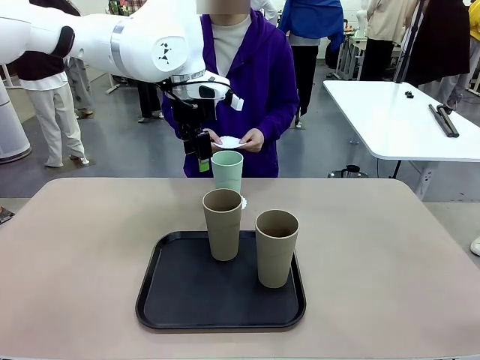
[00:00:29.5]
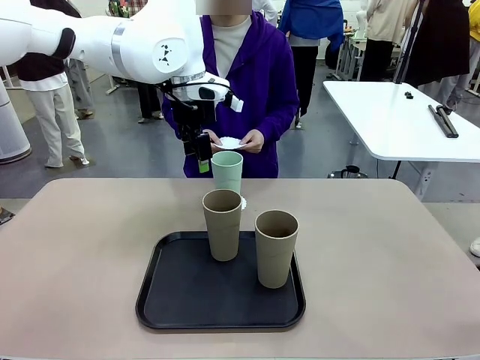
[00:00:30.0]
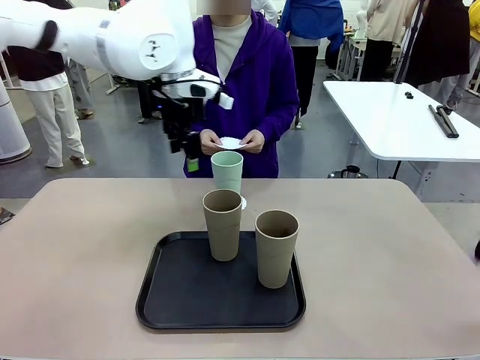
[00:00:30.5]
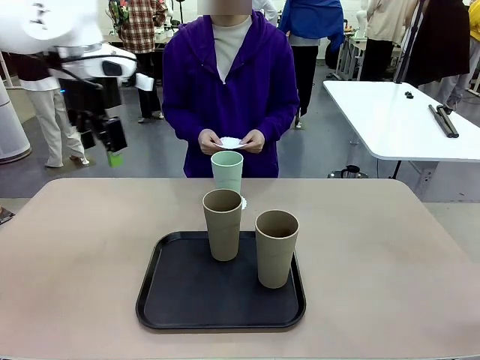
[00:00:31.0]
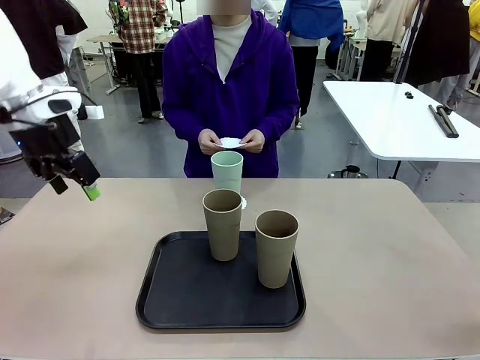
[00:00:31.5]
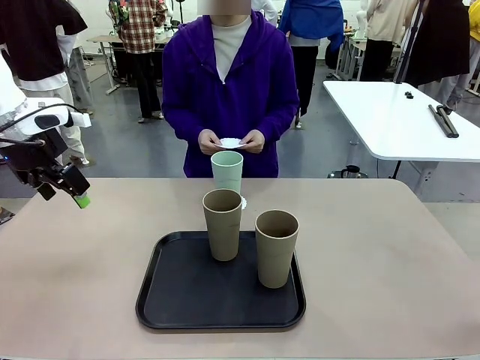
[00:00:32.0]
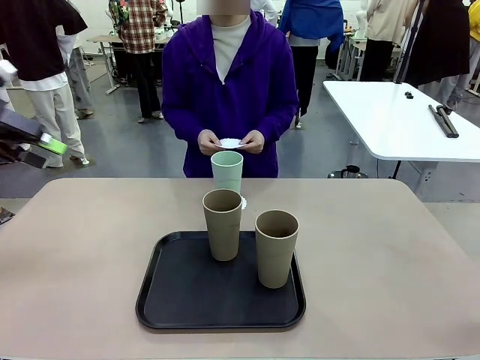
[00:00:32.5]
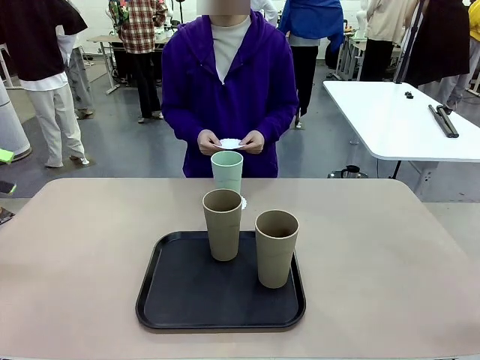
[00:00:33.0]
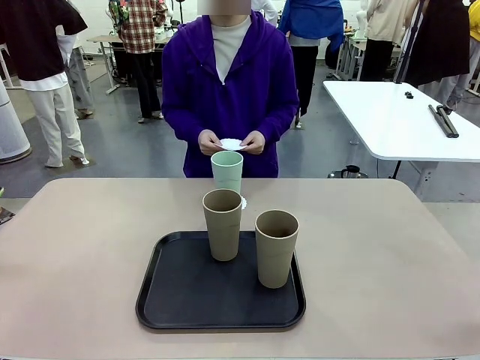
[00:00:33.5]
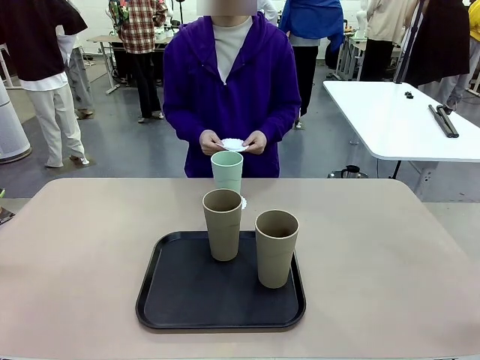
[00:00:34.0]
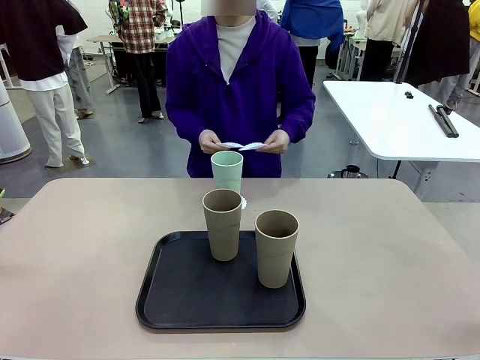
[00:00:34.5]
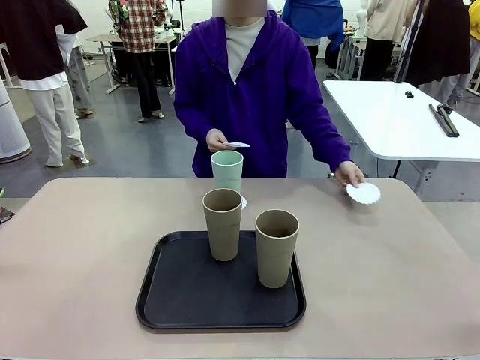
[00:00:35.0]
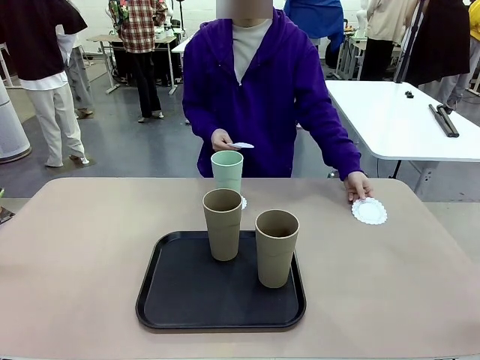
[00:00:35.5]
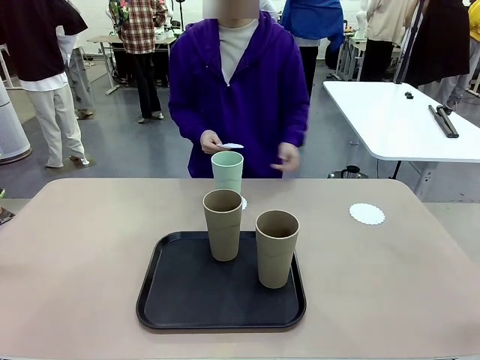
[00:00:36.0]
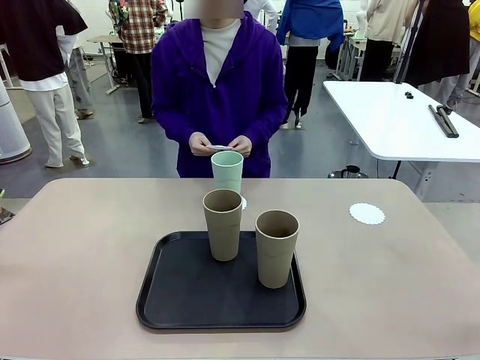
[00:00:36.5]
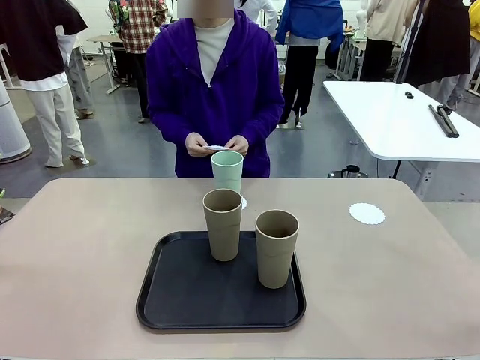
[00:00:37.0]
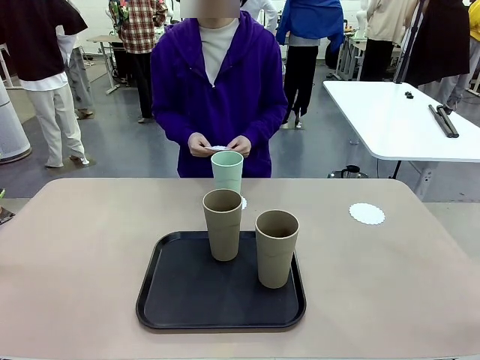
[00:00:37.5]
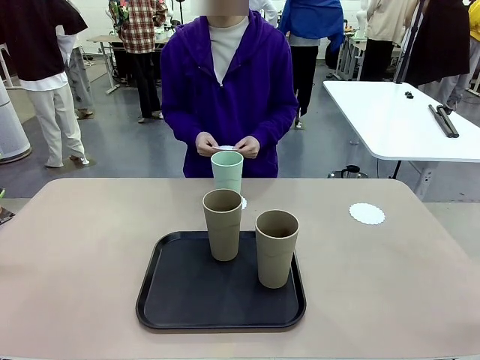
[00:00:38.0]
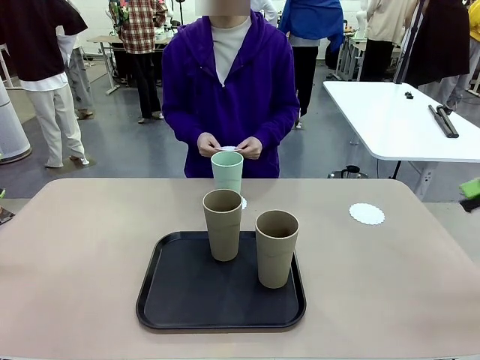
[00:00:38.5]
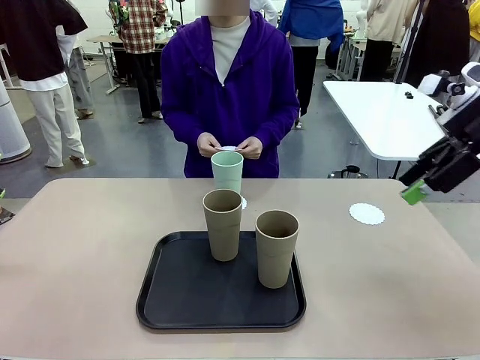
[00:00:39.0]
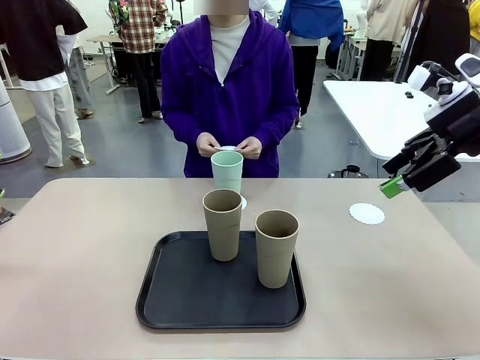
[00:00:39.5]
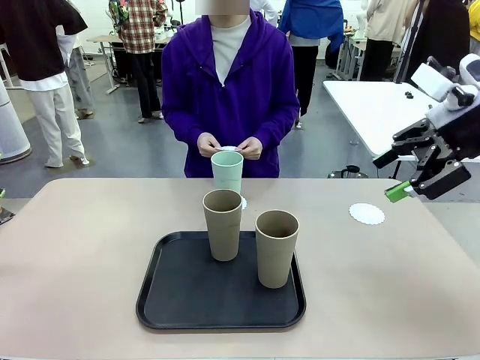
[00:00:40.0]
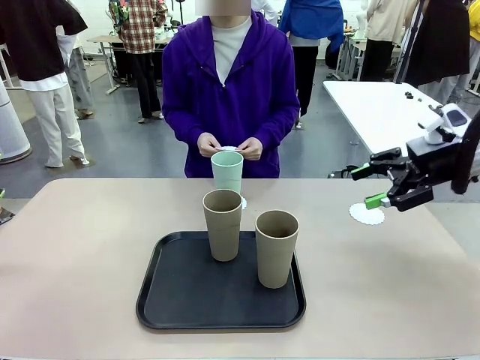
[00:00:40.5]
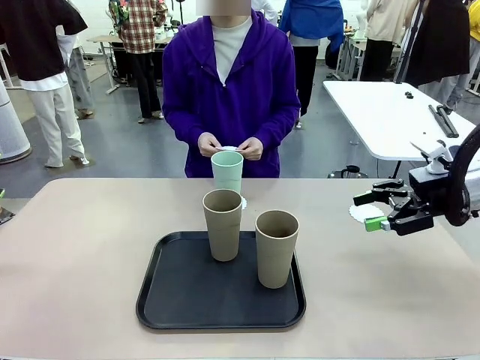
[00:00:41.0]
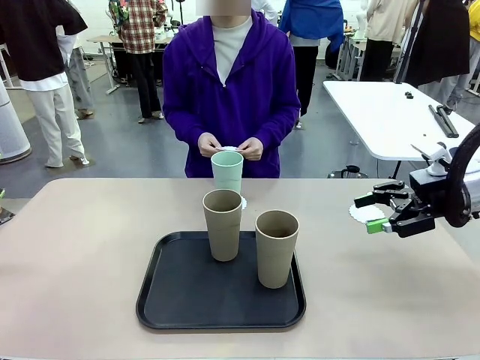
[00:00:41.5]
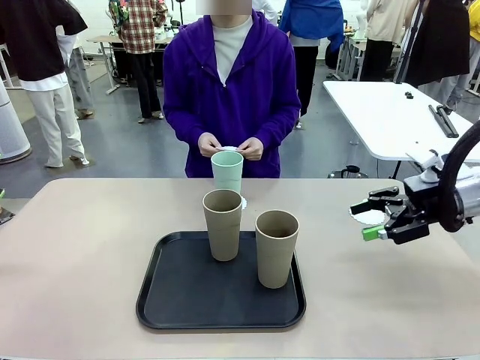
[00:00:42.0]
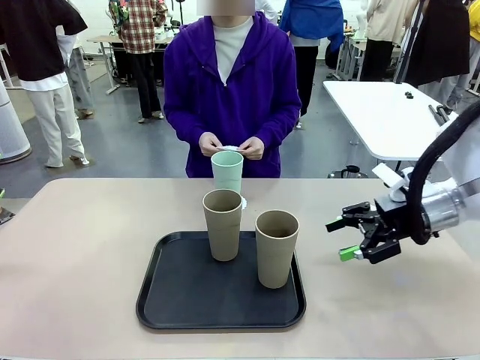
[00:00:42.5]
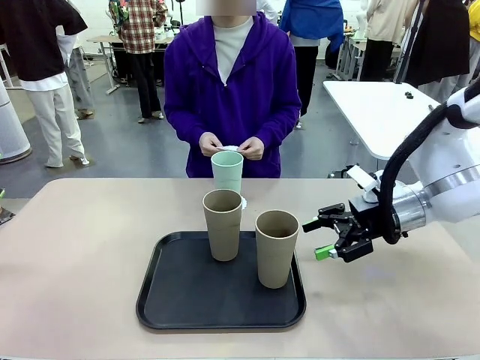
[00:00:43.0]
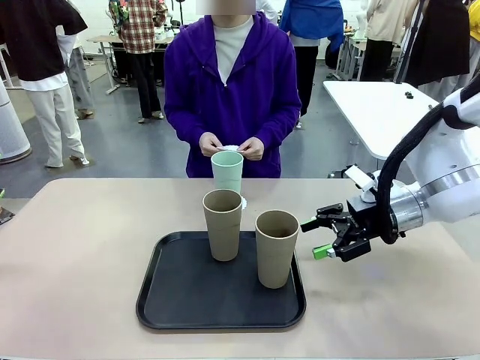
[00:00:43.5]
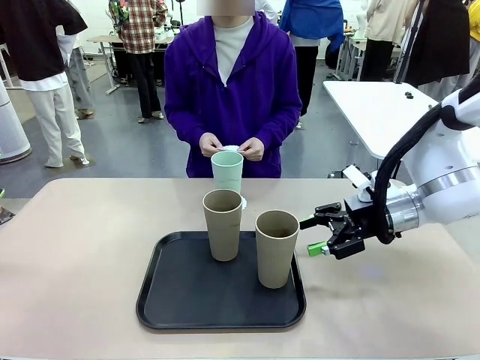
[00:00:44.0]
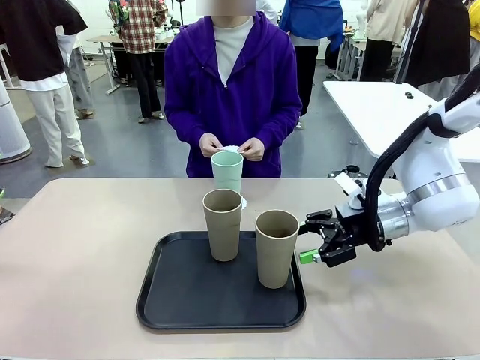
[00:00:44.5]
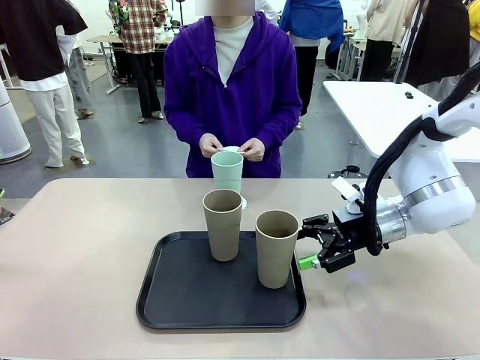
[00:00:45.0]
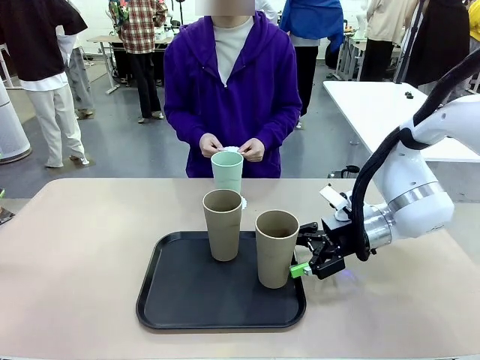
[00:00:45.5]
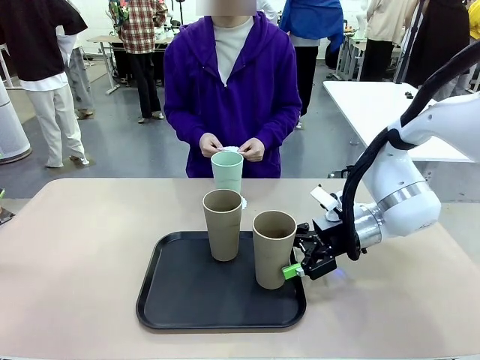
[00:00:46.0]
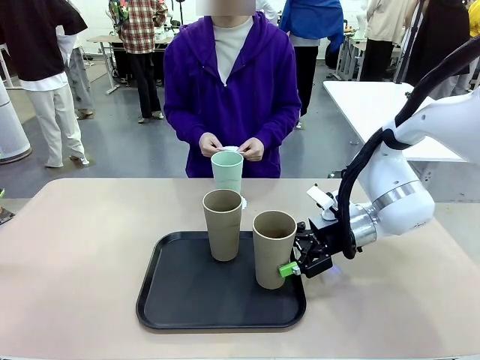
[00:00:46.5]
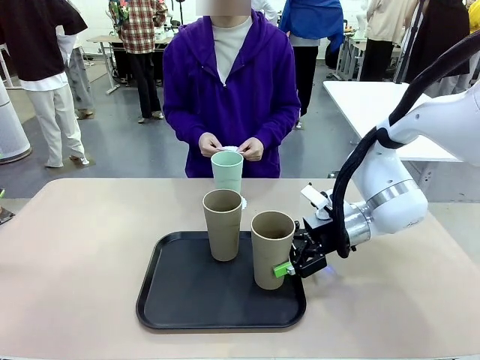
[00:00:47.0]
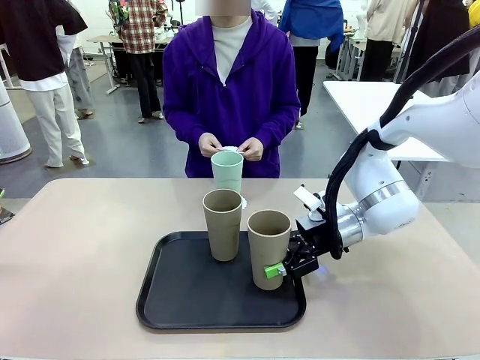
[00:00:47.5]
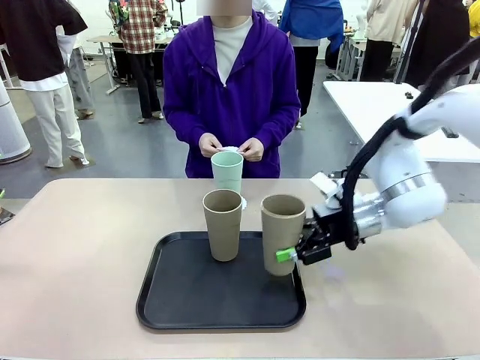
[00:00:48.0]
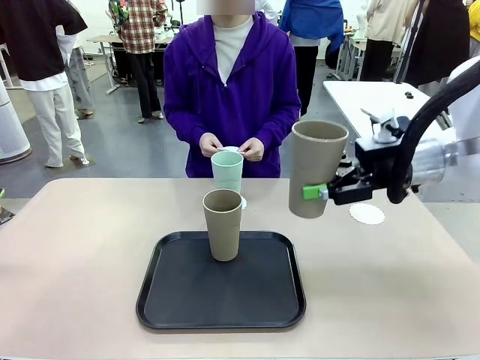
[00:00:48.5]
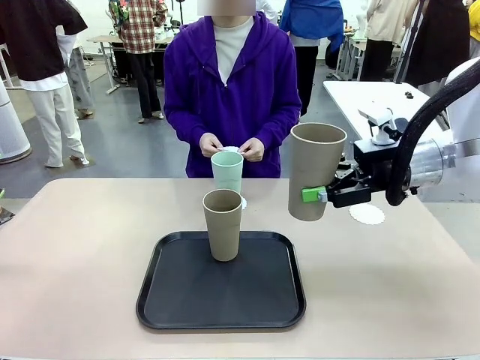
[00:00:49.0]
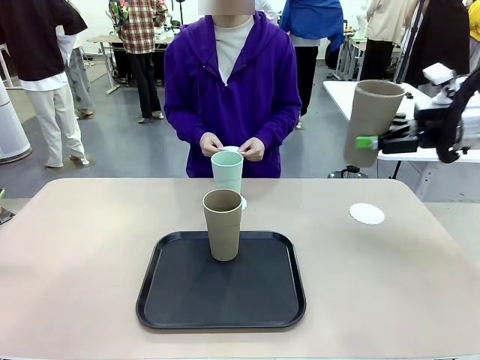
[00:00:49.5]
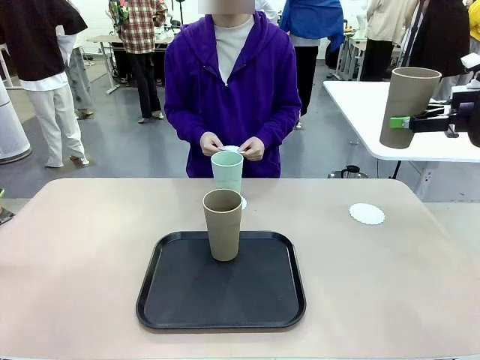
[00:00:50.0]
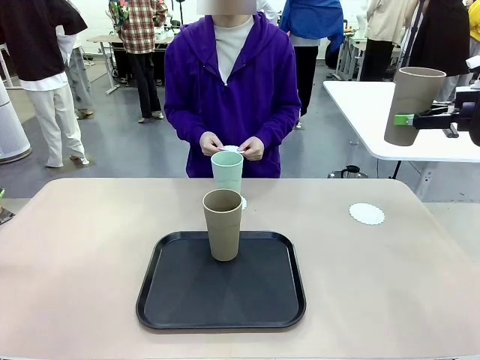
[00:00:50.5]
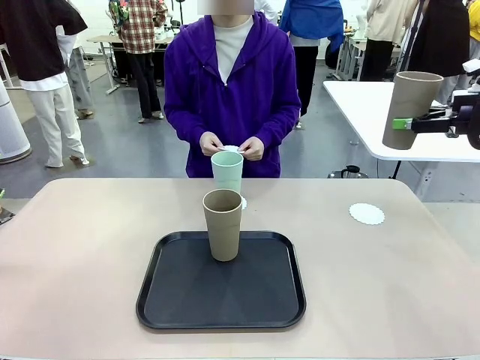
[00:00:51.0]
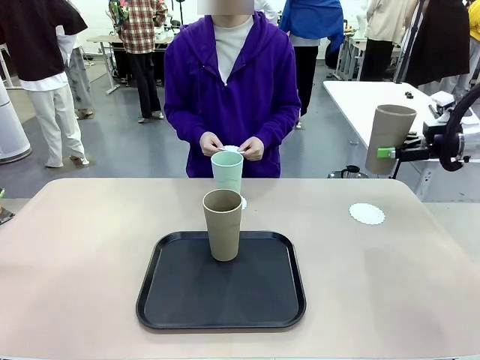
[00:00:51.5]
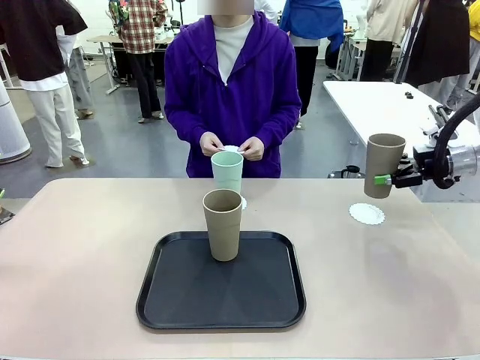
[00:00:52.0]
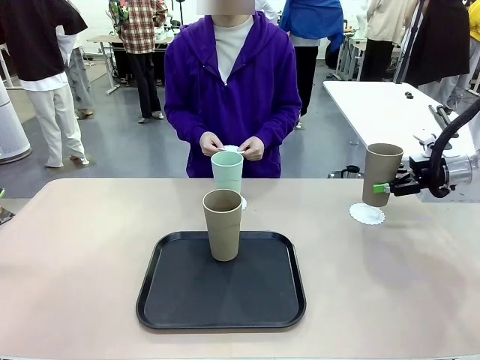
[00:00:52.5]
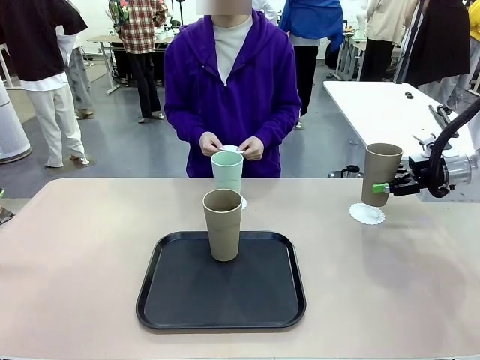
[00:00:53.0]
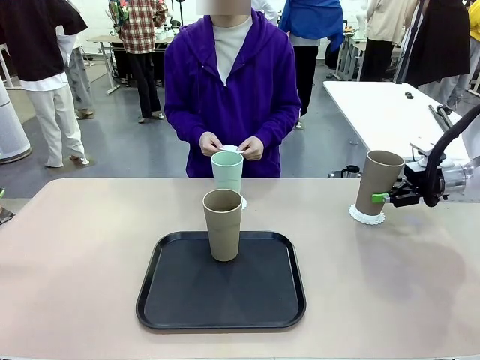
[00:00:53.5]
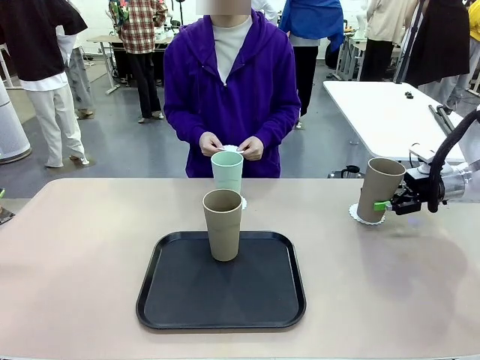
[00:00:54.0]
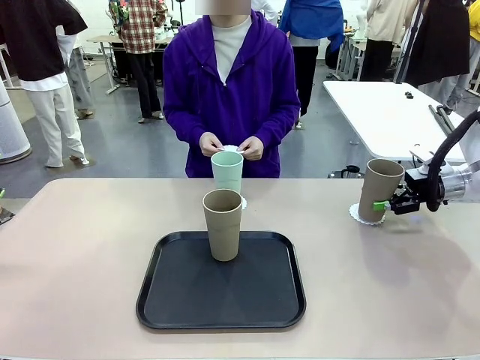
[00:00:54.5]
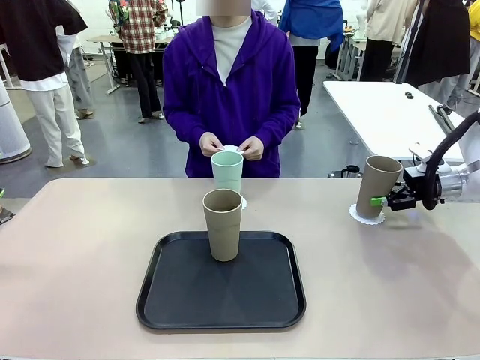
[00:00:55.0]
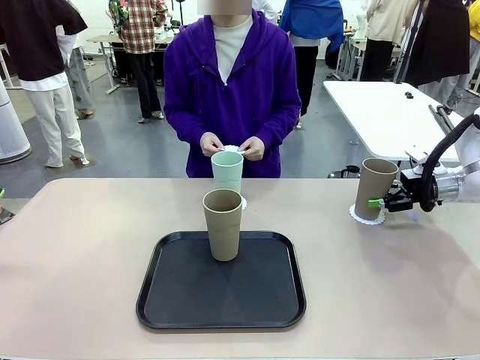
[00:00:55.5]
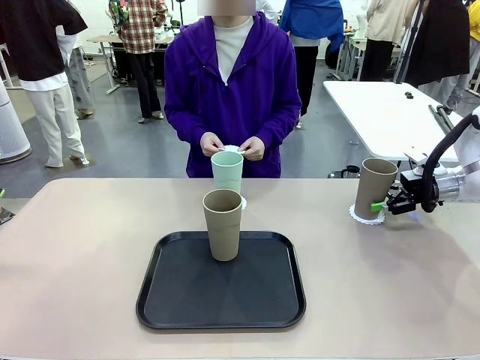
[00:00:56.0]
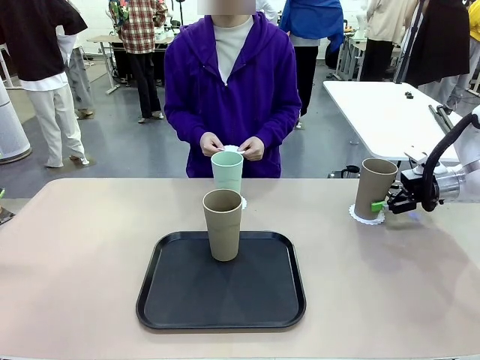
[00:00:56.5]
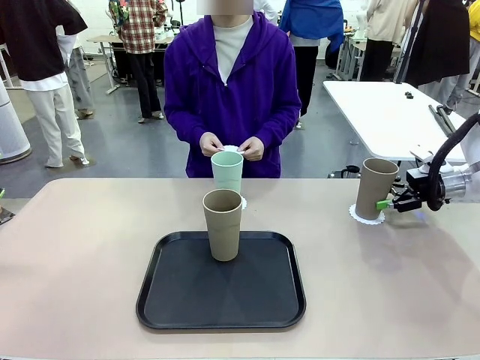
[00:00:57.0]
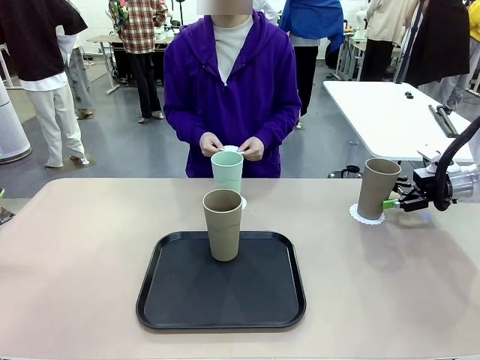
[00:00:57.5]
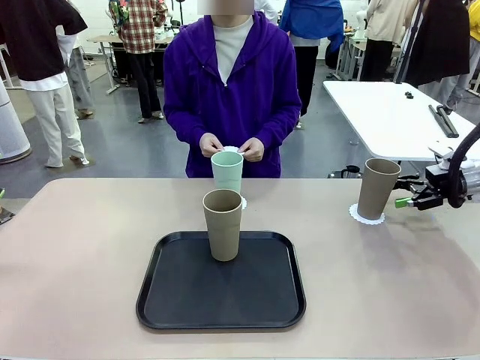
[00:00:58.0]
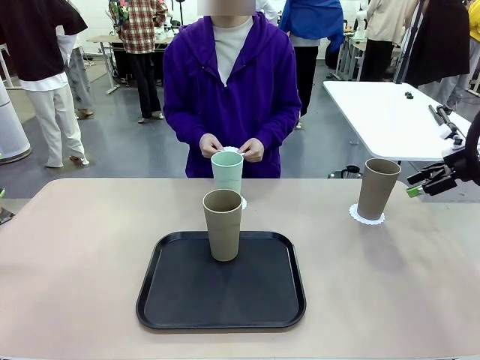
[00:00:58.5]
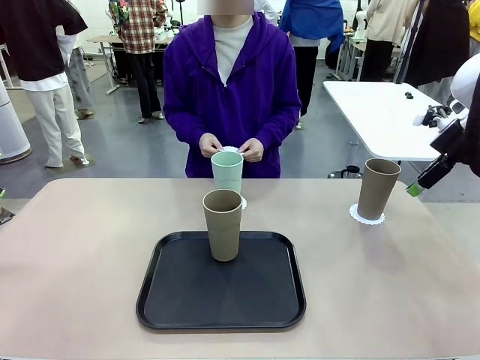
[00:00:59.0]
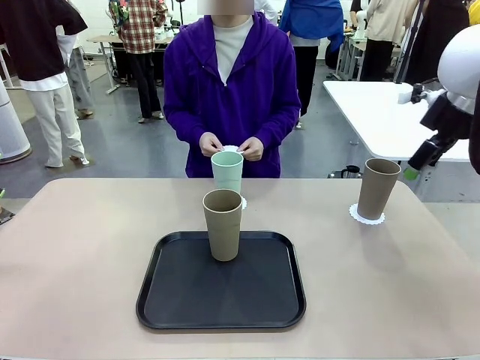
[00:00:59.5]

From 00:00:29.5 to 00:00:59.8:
Task: Place coasters on the table and set cups on them.
Robot: Take one Reusable plastic cup from the Flat Tray and place it on a coaster set by the human.
